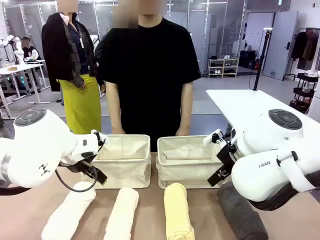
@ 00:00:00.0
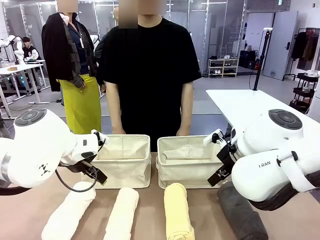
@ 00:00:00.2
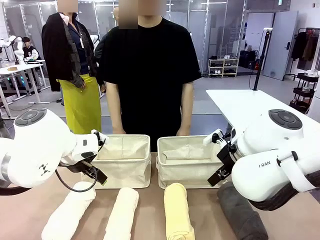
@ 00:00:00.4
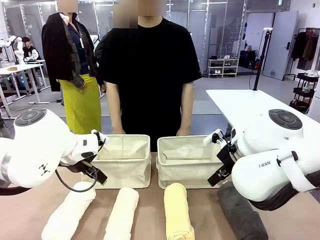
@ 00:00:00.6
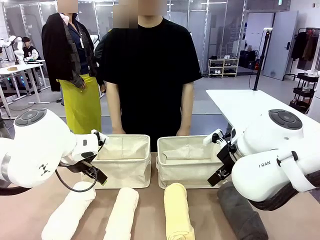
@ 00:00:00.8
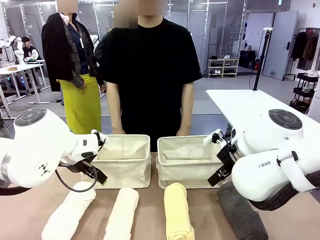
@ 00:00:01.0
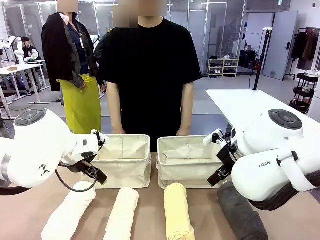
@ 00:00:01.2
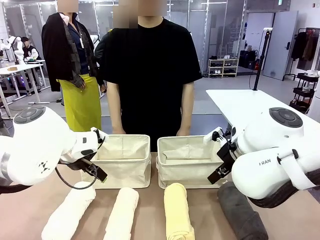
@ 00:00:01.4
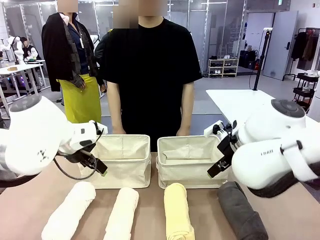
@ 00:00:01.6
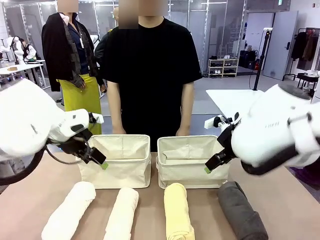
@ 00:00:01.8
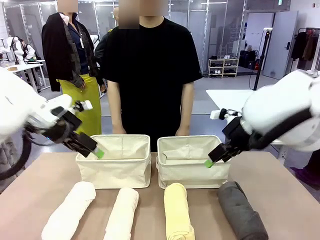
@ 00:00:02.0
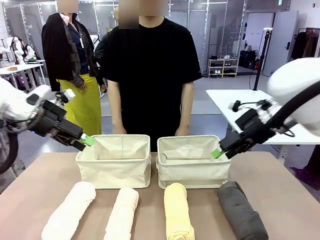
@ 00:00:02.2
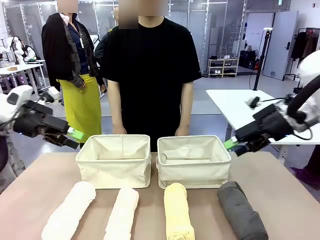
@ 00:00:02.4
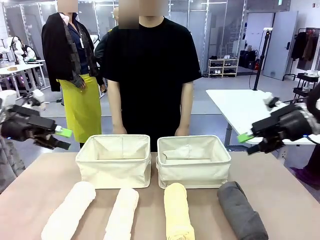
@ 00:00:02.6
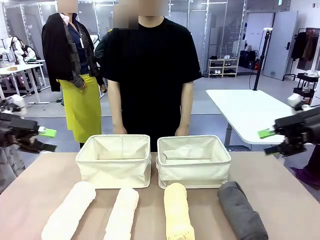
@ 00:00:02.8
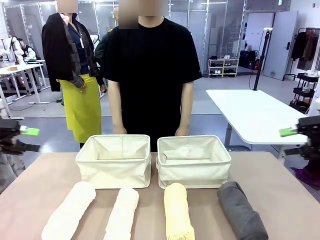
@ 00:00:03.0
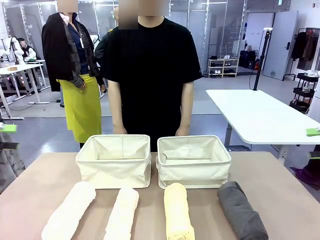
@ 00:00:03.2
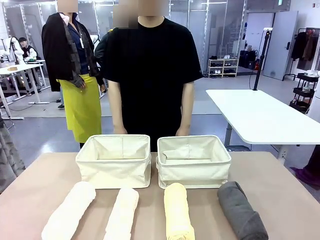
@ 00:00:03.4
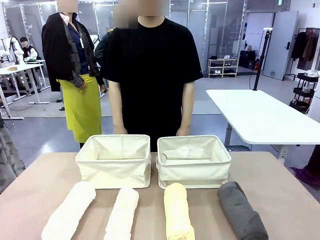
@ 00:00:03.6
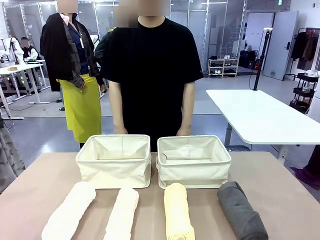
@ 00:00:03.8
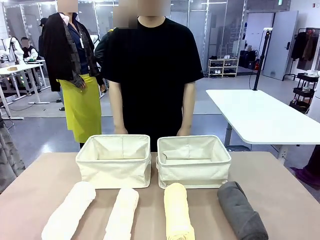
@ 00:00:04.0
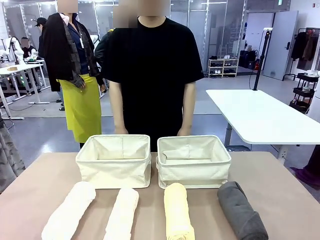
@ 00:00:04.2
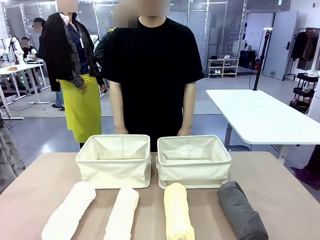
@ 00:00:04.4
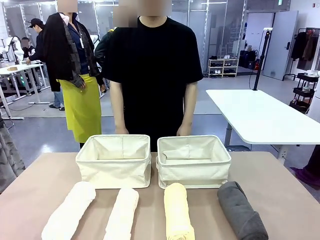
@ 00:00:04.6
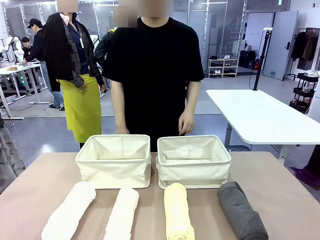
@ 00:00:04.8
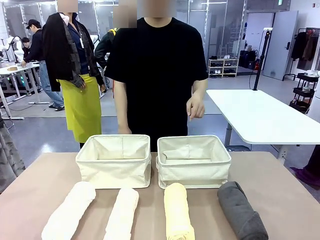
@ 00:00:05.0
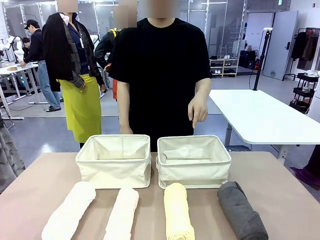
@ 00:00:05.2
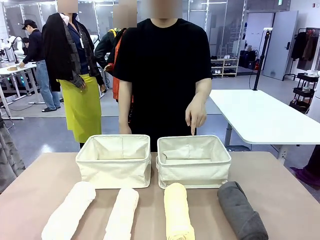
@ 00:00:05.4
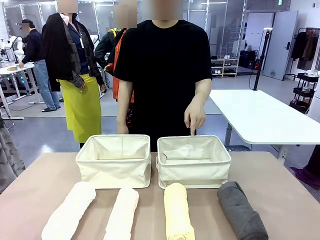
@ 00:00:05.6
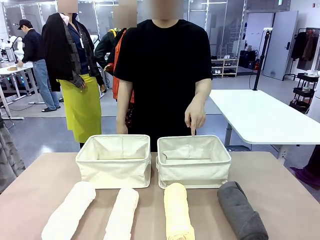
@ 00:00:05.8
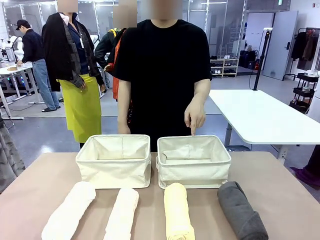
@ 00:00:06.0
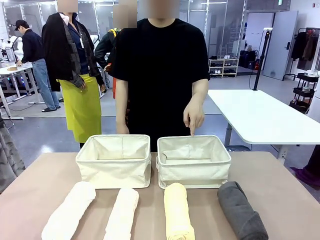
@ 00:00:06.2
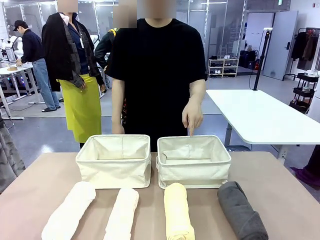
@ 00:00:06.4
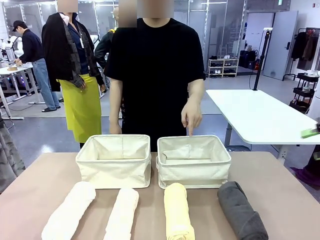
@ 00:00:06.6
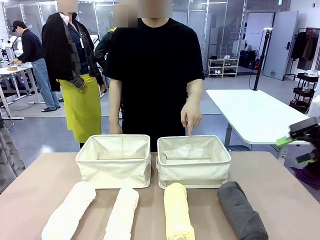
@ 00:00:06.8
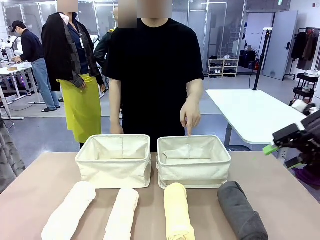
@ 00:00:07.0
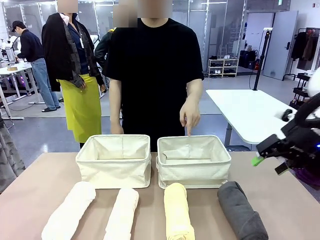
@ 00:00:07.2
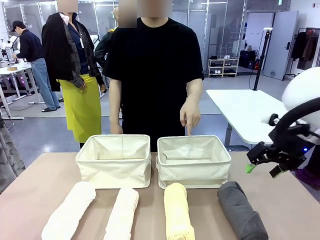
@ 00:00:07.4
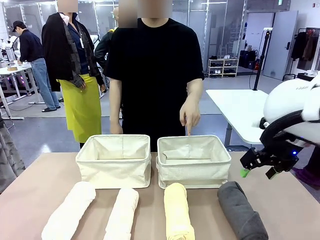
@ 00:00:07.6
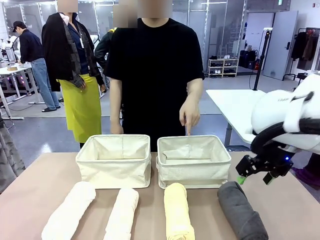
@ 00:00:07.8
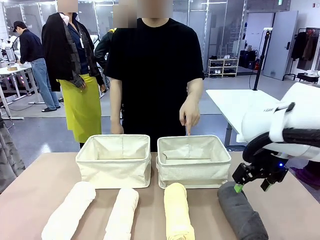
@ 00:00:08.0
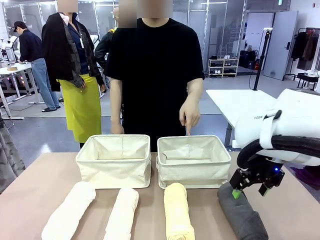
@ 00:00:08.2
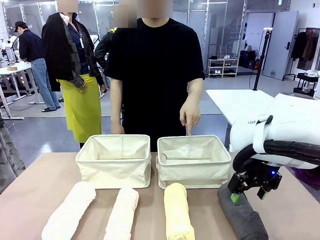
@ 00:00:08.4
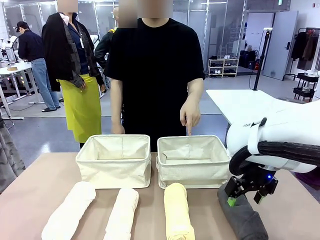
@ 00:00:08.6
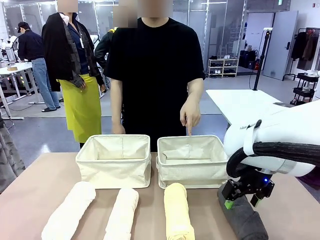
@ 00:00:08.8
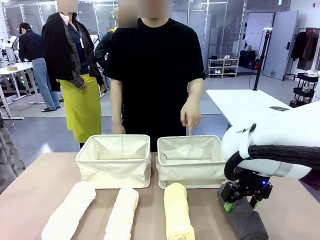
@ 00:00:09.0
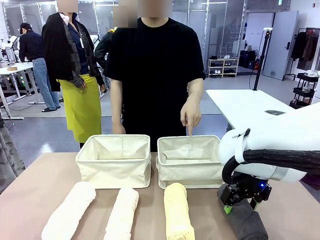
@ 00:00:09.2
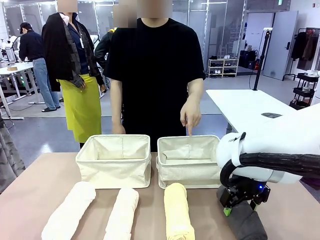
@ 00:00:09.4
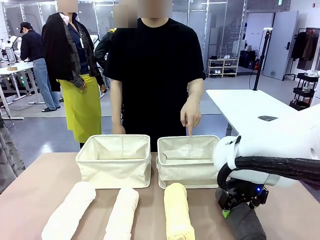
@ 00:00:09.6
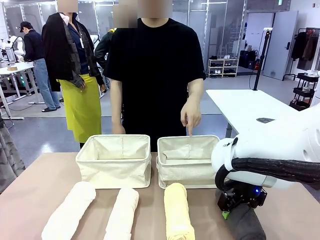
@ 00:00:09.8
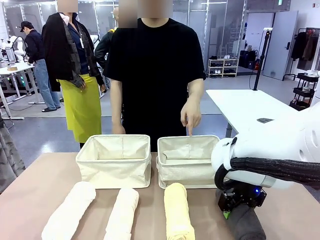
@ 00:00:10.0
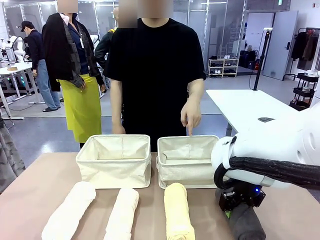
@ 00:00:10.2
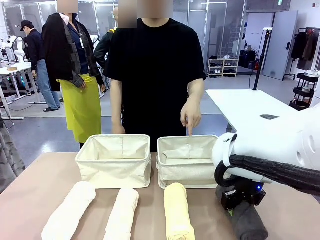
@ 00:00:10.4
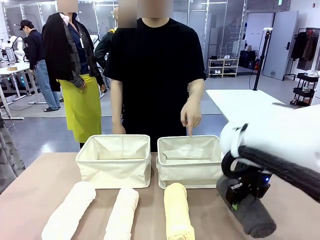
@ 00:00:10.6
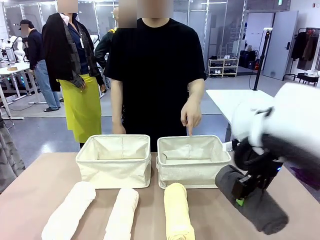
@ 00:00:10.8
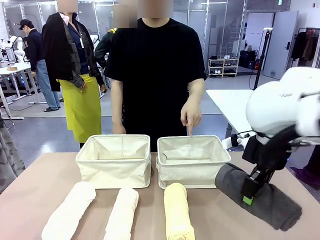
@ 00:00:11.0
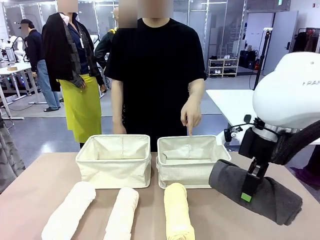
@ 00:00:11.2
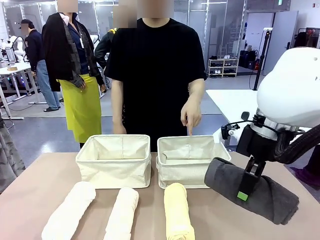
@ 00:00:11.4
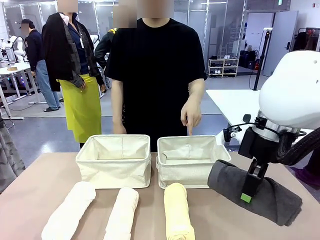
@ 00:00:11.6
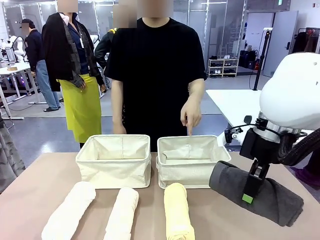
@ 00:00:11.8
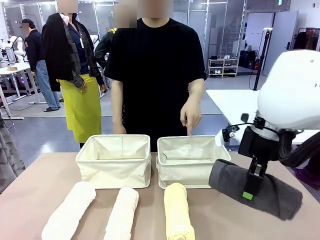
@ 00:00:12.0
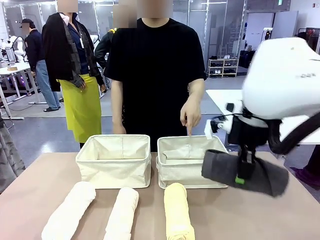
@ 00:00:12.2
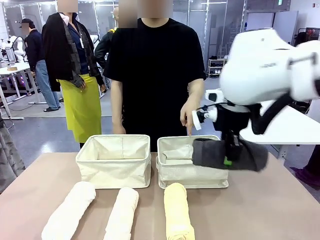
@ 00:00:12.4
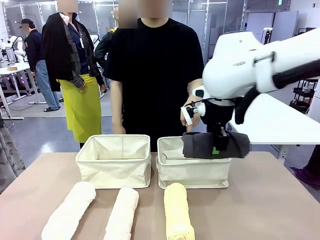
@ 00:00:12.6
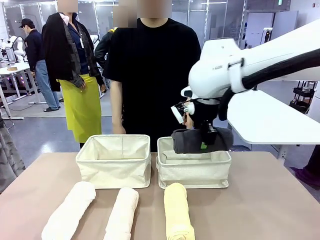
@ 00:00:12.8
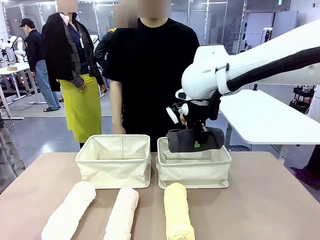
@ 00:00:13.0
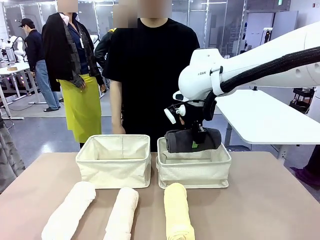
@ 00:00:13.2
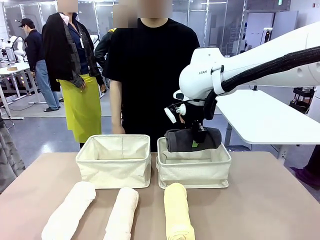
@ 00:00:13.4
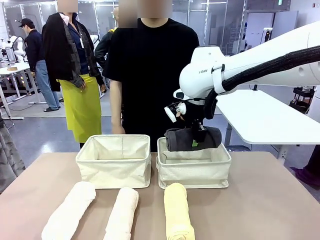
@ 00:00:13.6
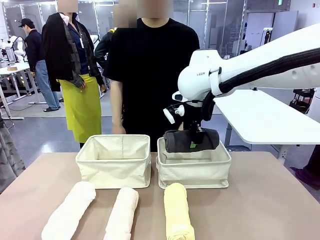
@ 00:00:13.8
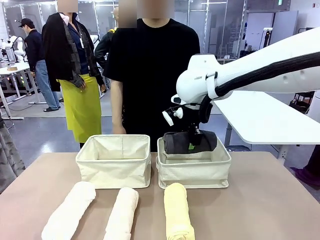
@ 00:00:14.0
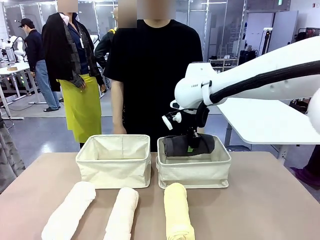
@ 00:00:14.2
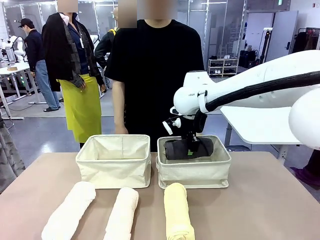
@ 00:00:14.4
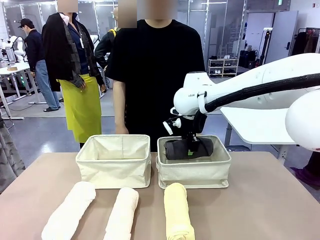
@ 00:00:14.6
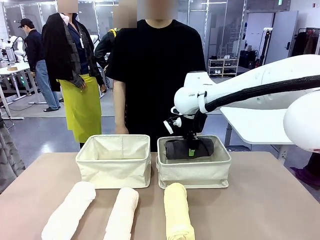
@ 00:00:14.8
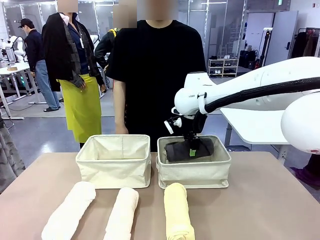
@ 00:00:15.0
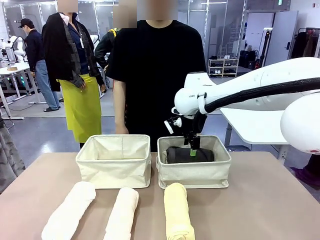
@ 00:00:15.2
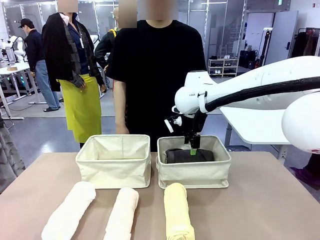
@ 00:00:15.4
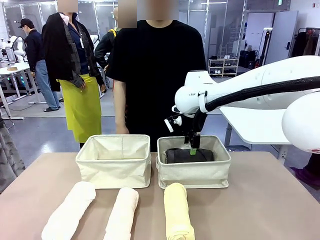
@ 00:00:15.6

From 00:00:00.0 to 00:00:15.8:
Task: Divide the towels into two baskets.
Robot: Pick up one hotel-folded towel and place it in the Fabric basket indicated by the person.
